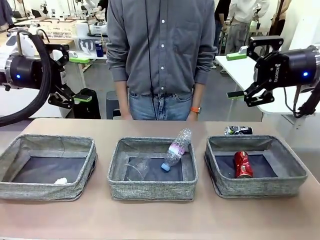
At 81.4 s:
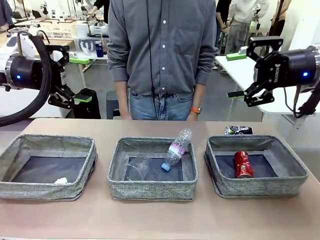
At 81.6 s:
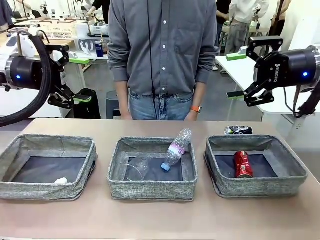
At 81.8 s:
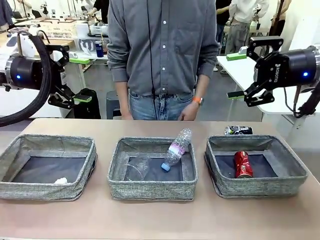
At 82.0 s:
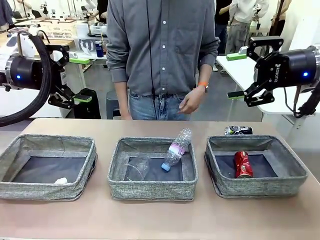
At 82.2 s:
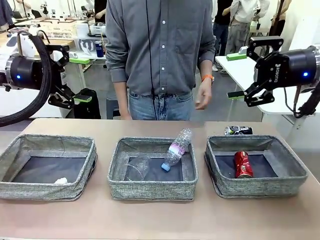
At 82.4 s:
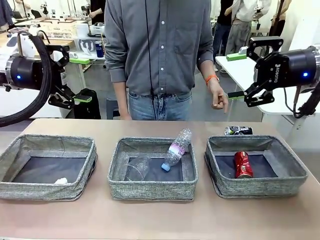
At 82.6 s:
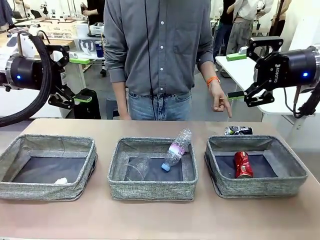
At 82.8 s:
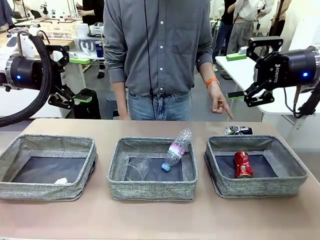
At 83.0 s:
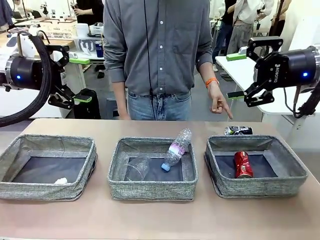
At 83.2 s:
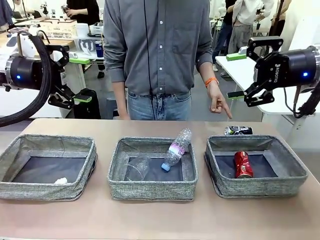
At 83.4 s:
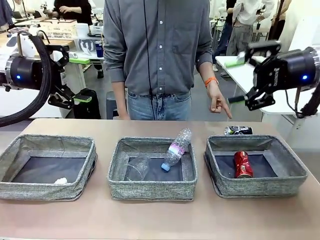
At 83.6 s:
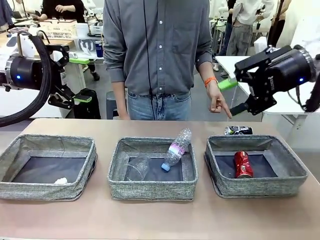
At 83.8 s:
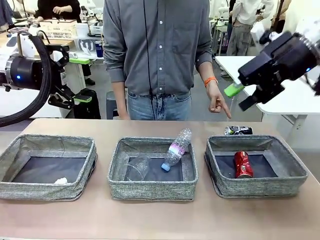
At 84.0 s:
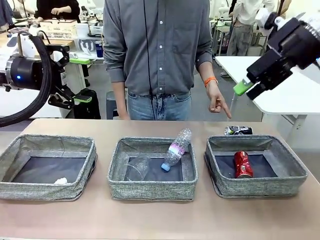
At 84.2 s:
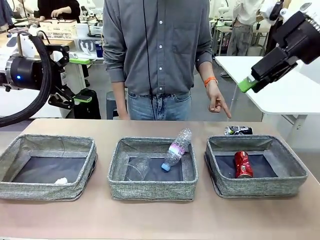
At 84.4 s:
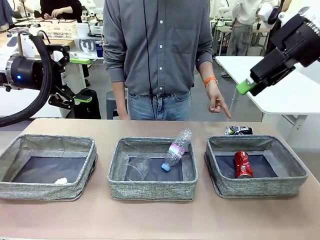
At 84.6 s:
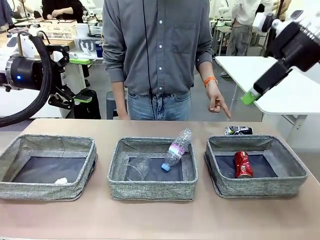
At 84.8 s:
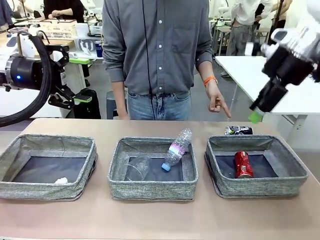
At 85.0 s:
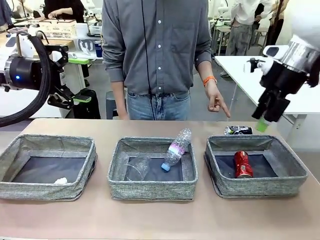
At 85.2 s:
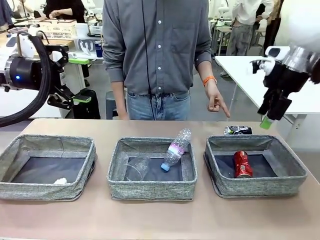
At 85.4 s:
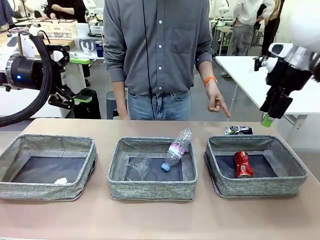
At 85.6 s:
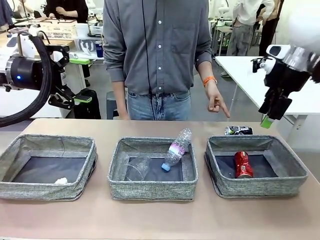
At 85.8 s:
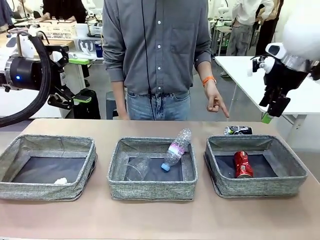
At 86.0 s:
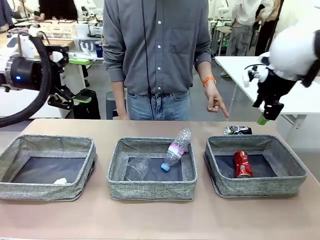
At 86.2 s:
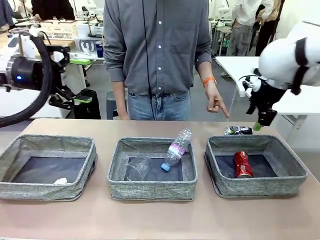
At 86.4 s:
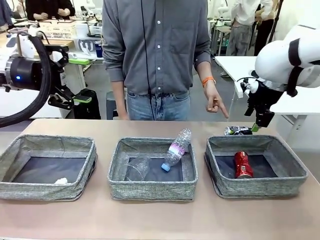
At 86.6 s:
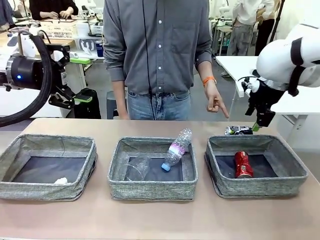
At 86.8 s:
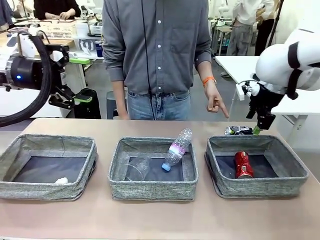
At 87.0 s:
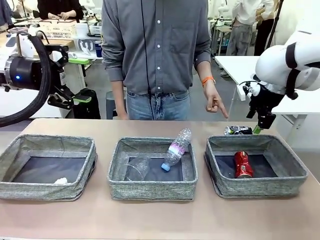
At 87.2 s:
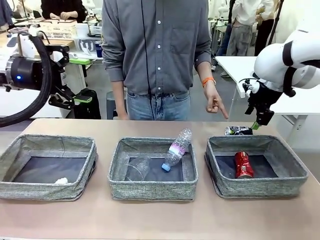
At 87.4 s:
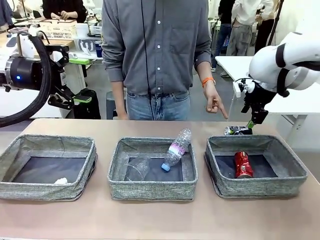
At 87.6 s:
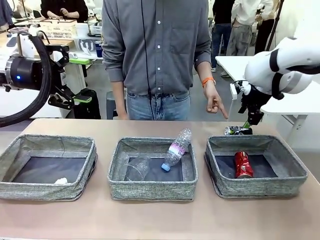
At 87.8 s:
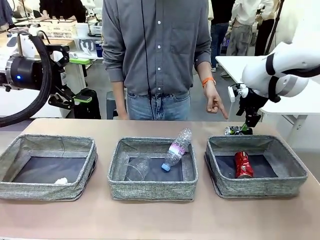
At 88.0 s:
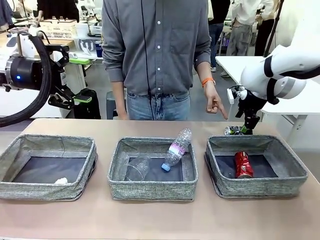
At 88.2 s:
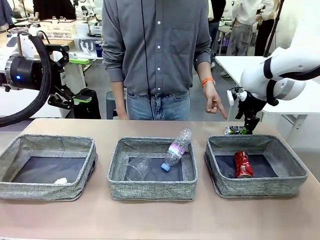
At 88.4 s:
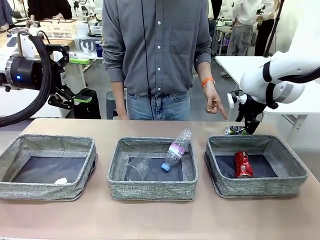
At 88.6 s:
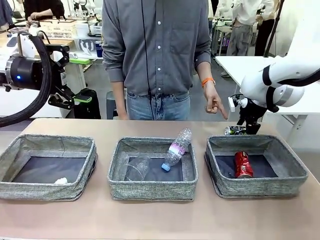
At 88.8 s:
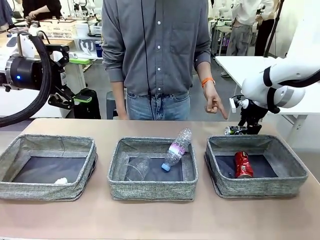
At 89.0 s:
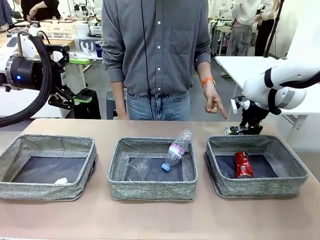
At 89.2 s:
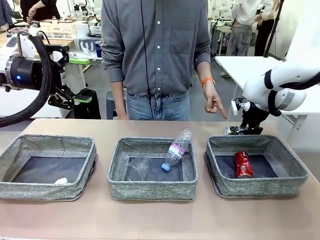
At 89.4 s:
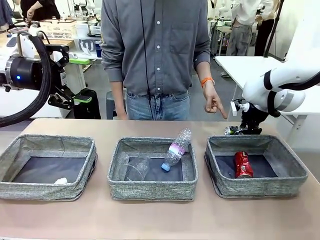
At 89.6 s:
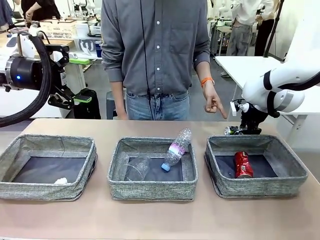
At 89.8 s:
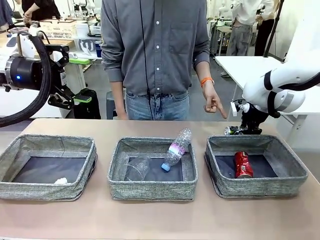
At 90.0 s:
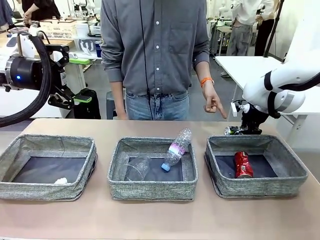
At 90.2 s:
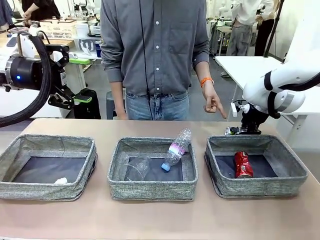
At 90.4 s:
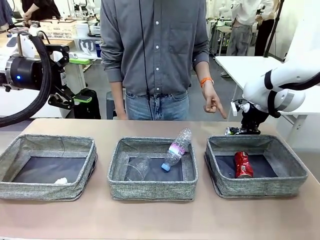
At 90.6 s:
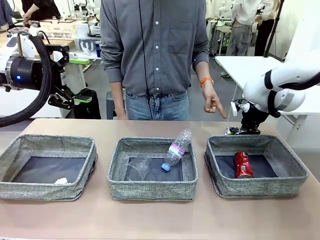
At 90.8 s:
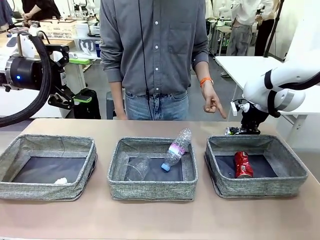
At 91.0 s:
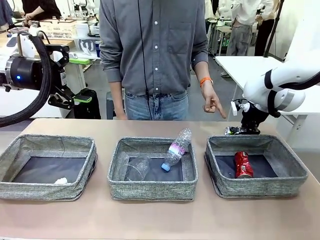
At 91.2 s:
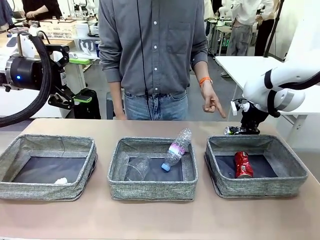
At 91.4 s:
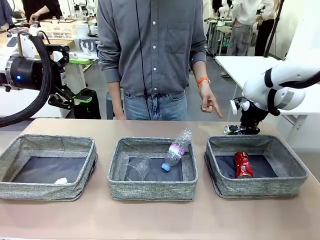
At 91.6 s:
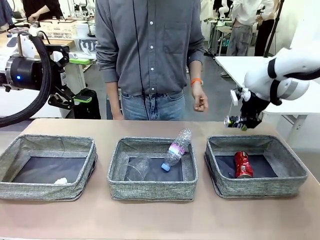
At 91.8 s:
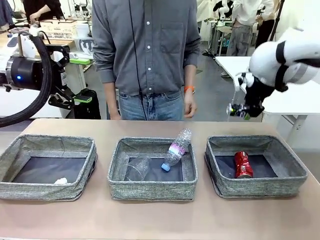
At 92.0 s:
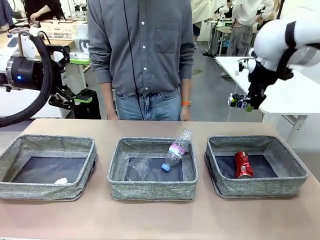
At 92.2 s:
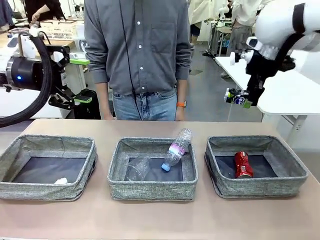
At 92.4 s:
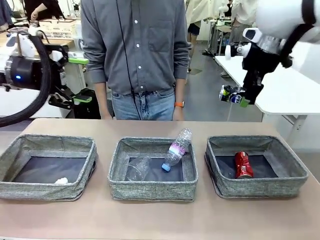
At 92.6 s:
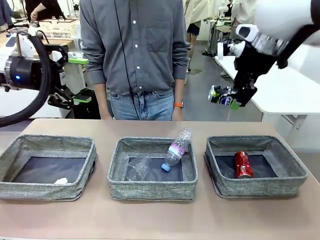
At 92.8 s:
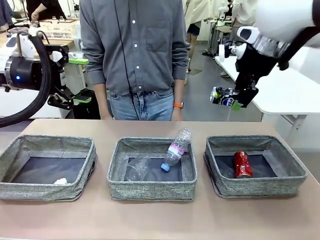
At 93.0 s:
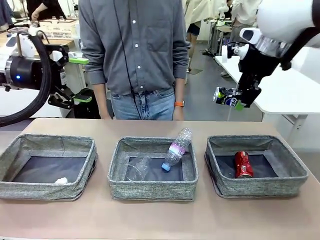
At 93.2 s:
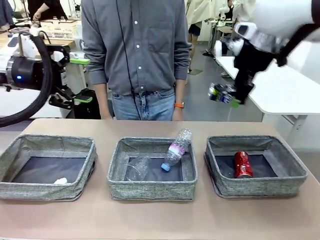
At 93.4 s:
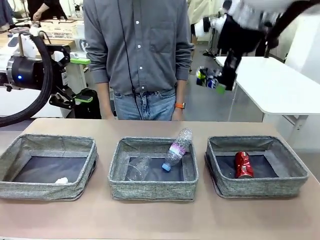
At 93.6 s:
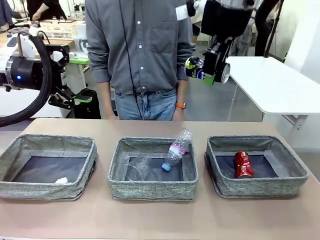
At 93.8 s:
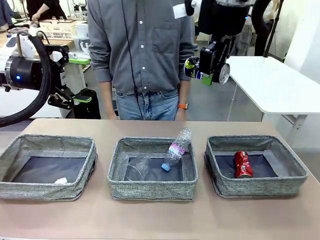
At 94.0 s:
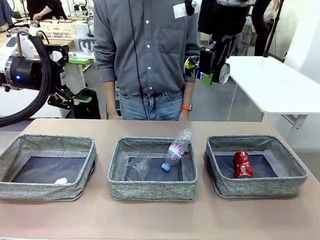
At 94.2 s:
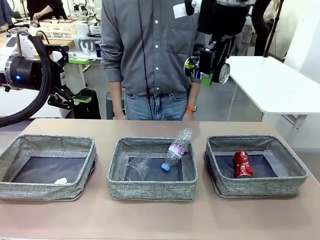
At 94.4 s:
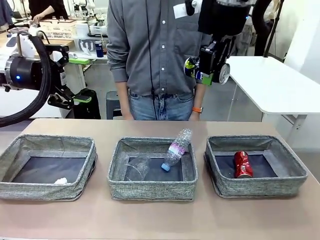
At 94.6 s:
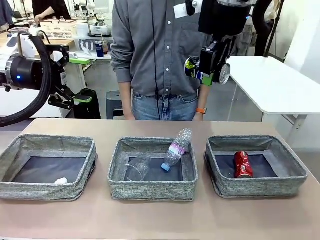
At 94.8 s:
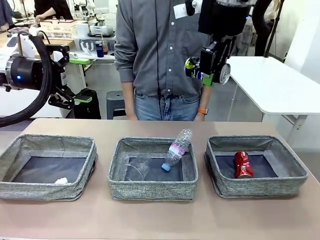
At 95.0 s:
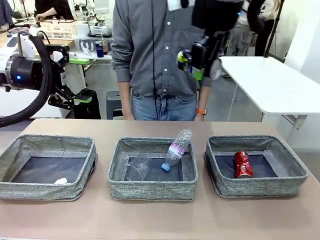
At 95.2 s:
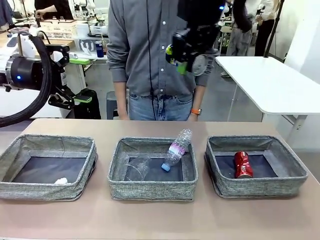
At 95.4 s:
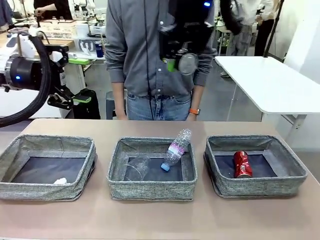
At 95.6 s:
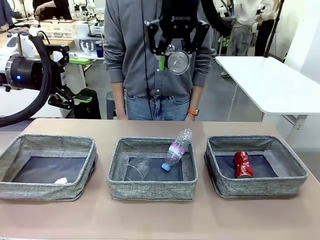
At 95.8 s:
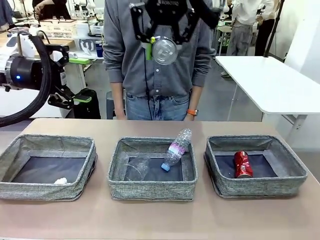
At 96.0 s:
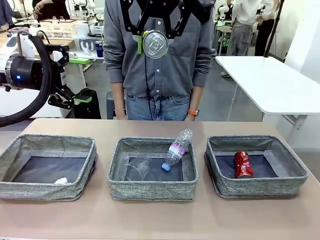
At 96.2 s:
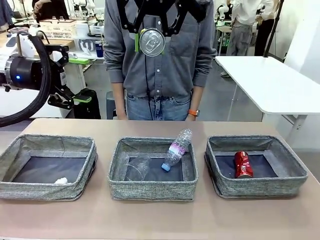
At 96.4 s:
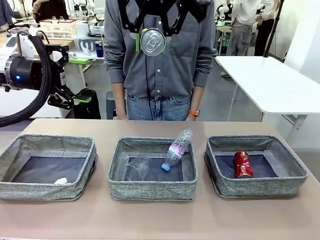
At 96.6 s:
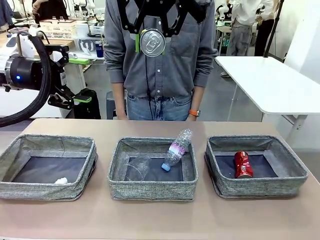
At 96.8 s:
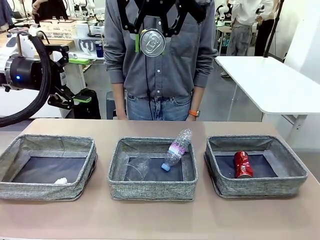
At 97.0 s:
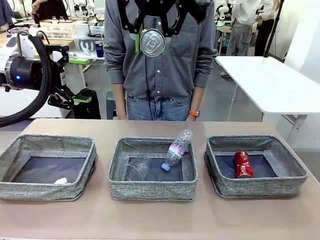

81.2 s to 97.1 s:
Task: Sort the waste into the appropriate baskets.
Robot: Pick up the waste item pointed out by the person.
Person: Points to one piece of trash on the table.

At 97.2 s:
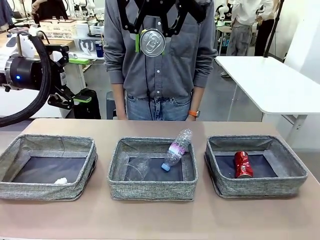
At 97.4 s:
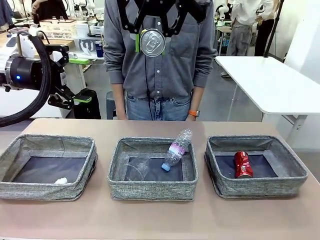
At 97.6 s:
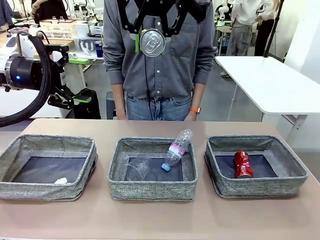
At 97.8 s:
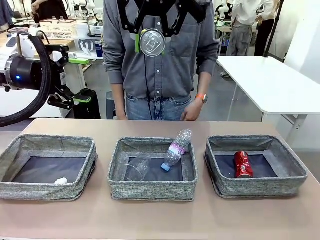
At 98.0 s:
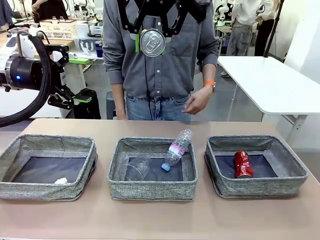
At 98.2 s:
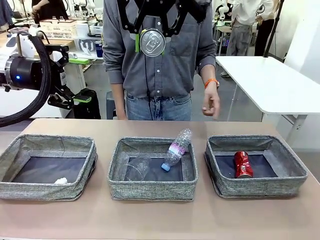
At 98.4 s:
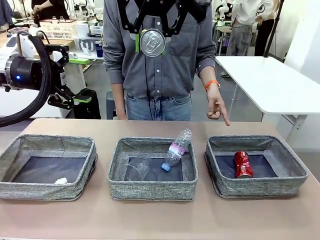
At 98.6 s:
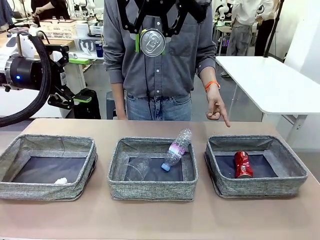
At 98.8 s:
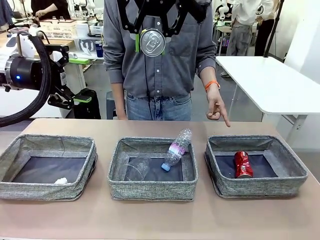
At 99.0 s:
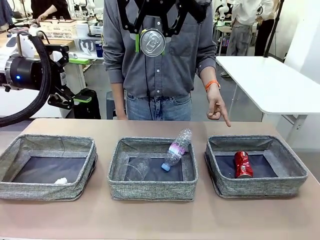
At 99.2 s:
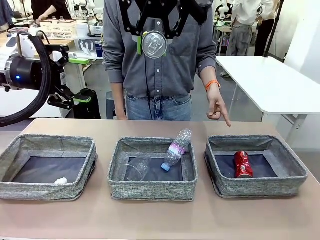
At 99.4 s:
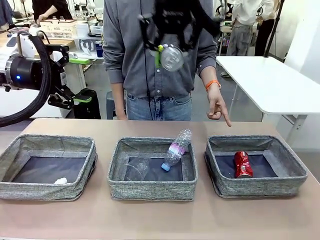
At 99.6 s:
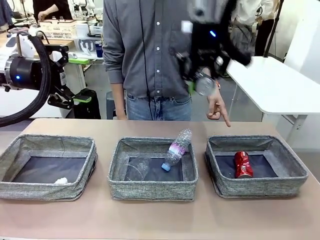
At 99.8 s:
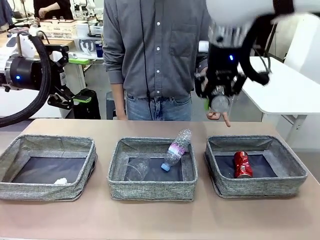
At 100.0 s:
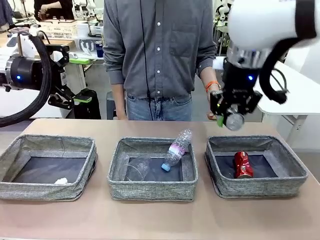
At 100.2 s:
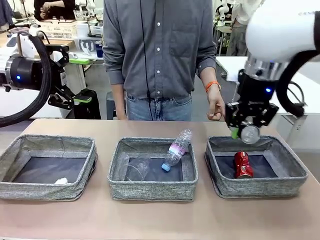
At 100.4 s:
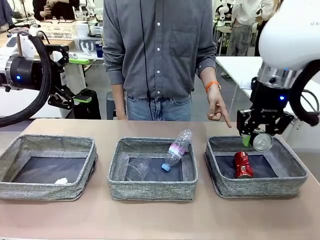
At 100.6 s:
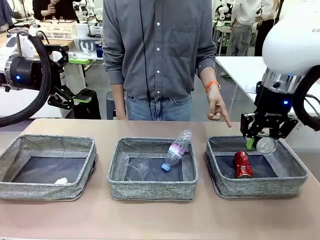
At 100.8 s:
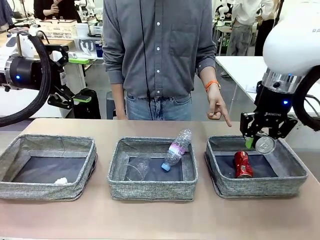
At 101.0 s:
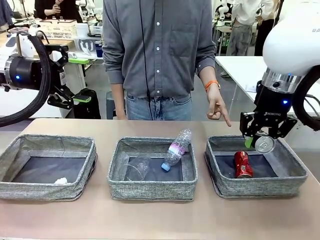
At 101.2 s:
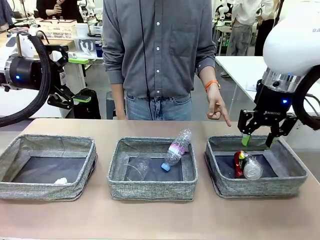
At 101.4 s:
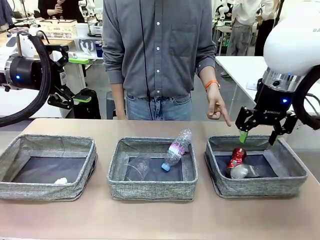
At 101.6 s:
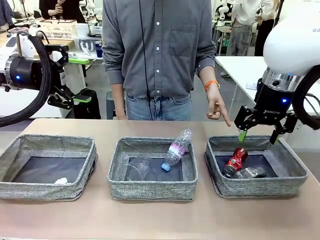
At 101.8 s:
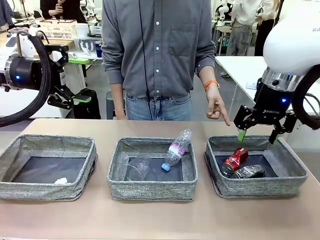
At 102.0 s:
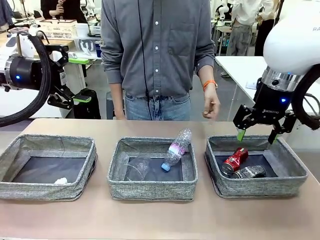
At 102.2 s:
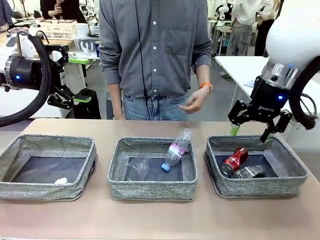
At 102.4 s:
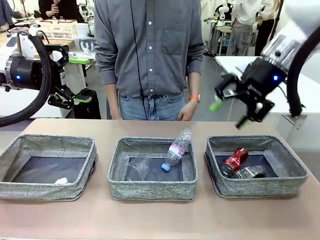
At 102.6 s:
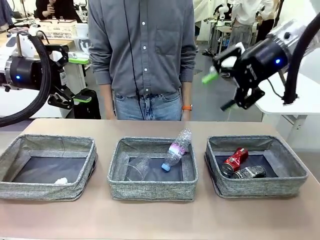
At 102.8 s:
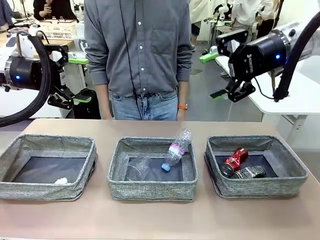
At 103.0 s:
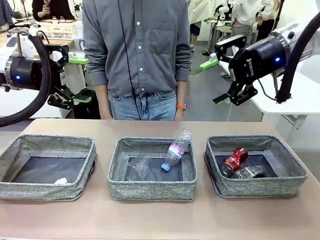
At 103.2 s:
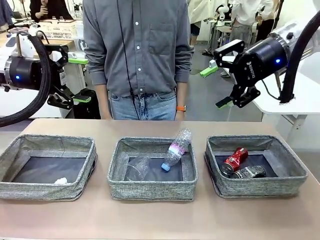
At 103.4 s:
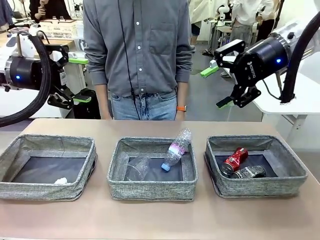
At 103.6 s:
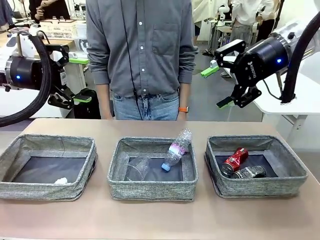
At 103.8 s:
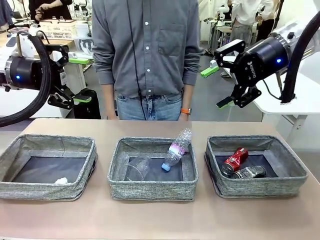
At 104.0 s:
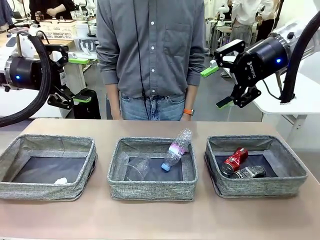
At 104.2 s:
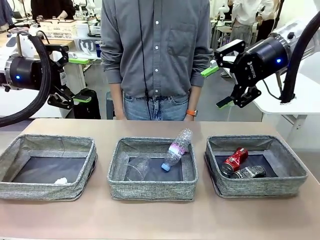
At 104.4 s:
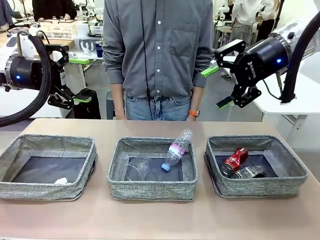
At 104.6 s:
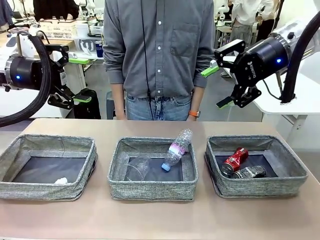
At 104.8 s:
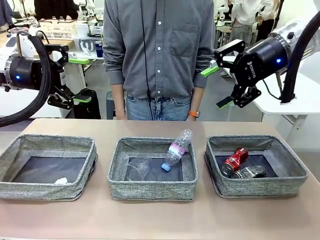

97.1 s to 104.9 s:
Robot: Place the picked waste into the Fabric basket indicated by the person.
Person: Instructs the robot to place the picked-up trash into the appropriate organizing basket.
